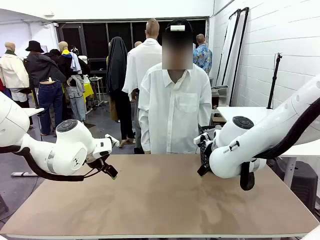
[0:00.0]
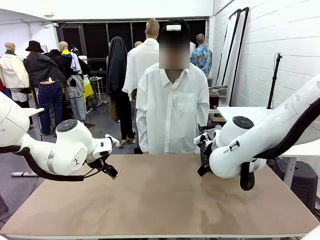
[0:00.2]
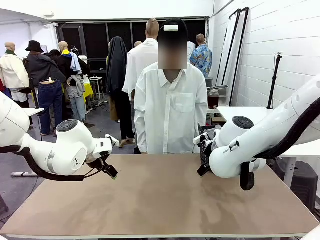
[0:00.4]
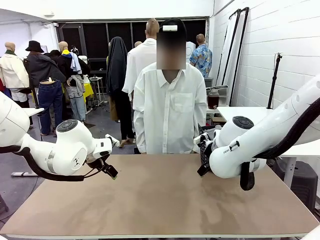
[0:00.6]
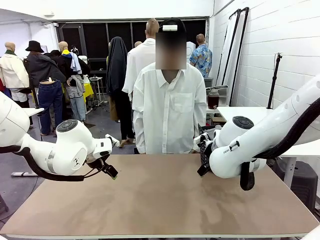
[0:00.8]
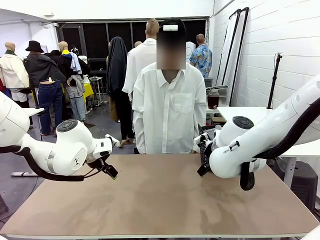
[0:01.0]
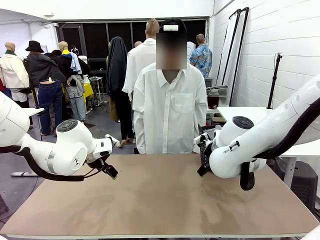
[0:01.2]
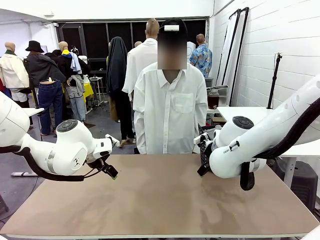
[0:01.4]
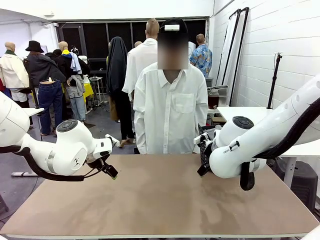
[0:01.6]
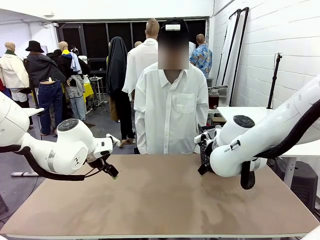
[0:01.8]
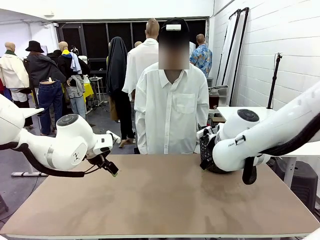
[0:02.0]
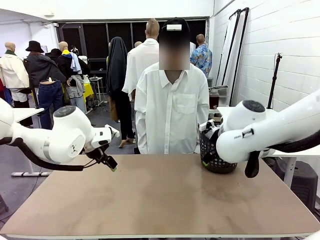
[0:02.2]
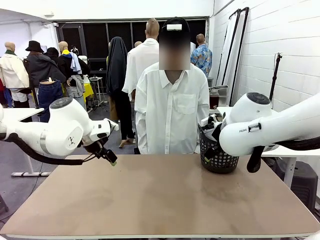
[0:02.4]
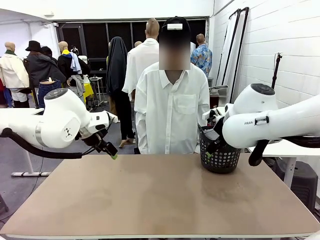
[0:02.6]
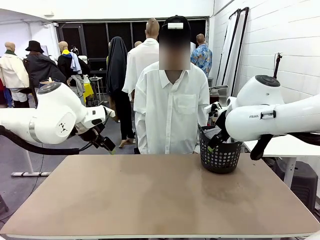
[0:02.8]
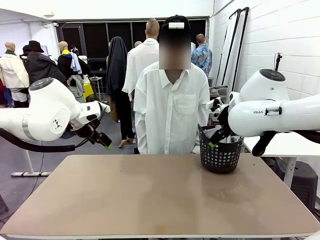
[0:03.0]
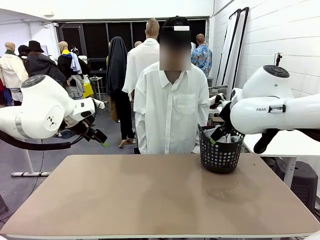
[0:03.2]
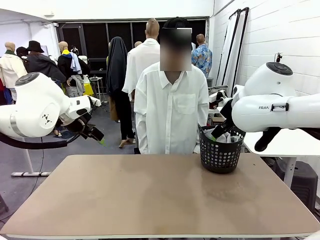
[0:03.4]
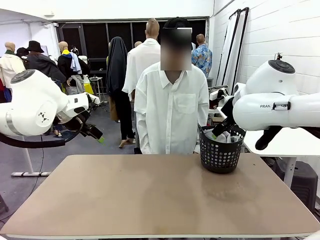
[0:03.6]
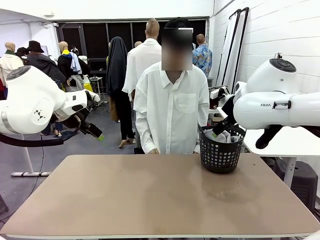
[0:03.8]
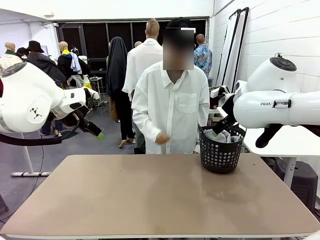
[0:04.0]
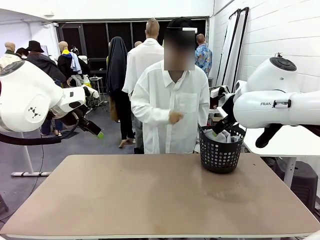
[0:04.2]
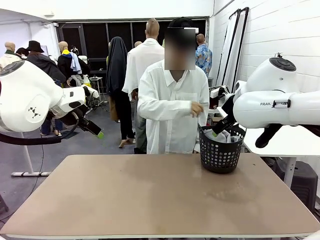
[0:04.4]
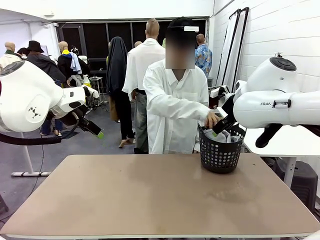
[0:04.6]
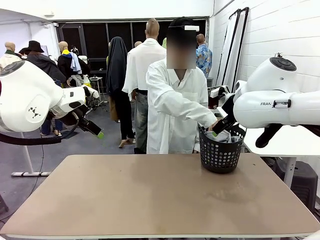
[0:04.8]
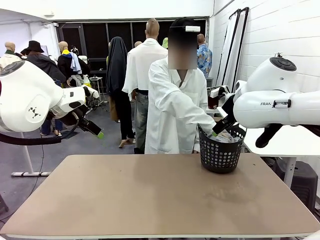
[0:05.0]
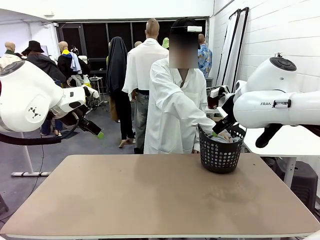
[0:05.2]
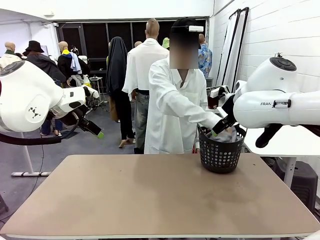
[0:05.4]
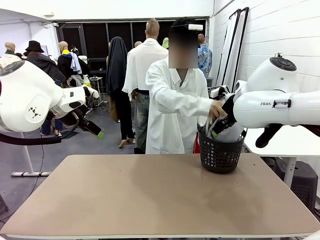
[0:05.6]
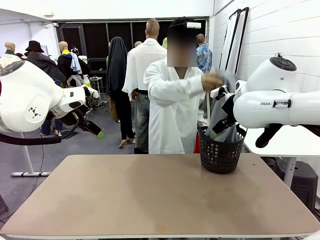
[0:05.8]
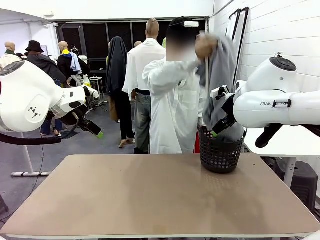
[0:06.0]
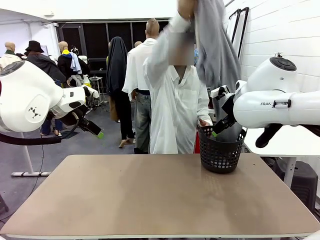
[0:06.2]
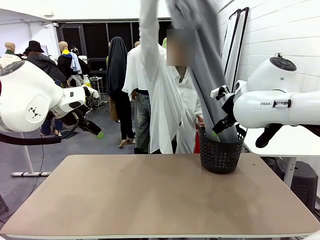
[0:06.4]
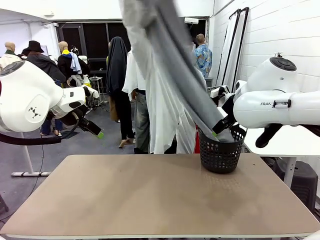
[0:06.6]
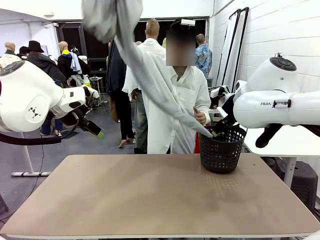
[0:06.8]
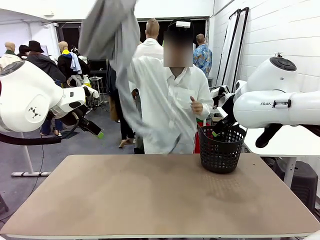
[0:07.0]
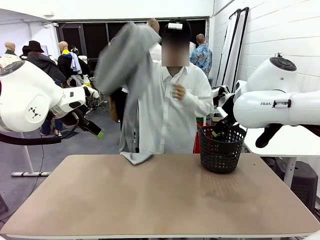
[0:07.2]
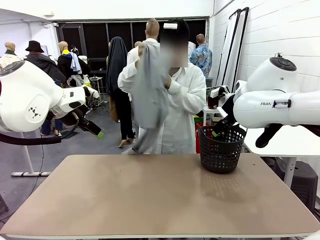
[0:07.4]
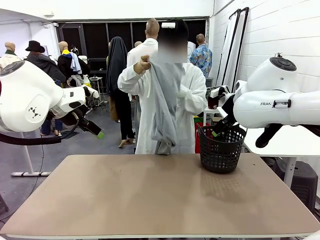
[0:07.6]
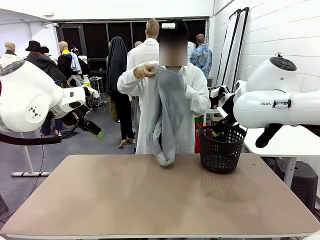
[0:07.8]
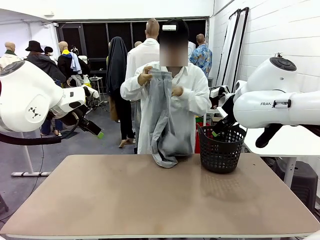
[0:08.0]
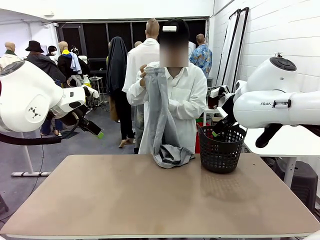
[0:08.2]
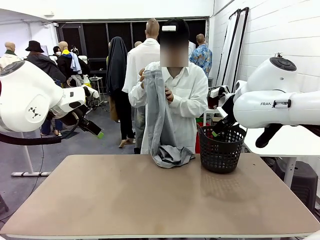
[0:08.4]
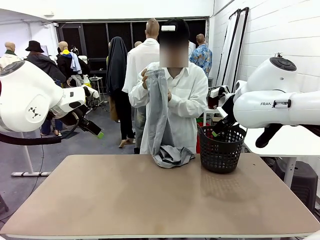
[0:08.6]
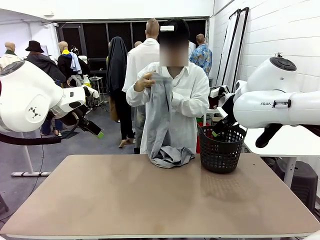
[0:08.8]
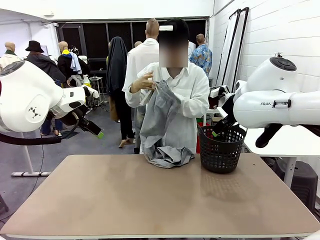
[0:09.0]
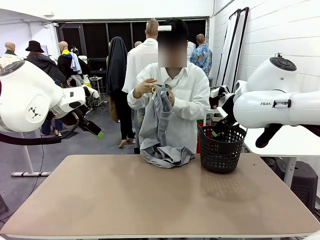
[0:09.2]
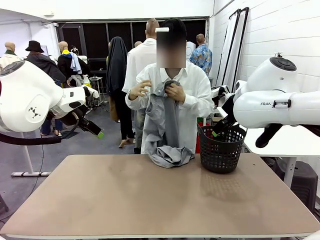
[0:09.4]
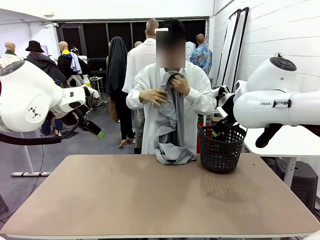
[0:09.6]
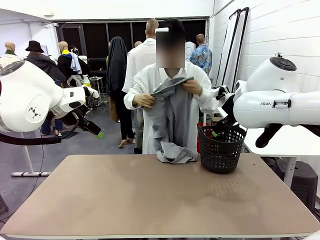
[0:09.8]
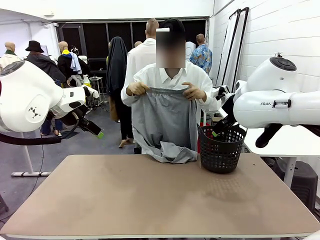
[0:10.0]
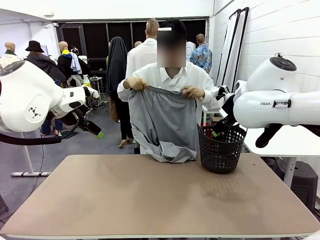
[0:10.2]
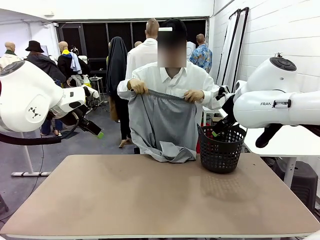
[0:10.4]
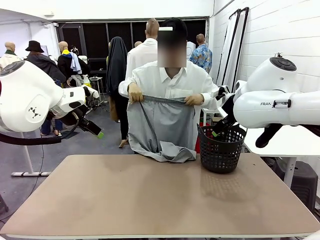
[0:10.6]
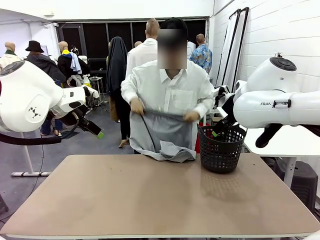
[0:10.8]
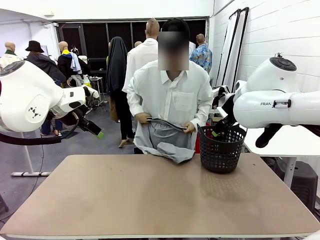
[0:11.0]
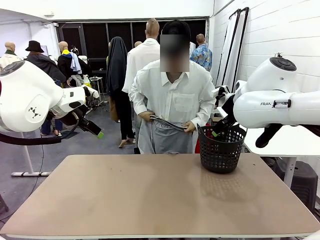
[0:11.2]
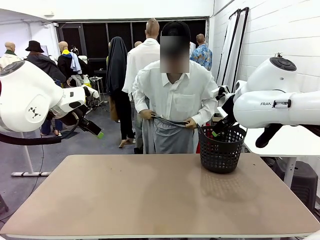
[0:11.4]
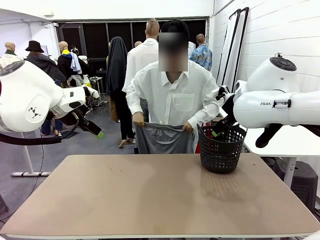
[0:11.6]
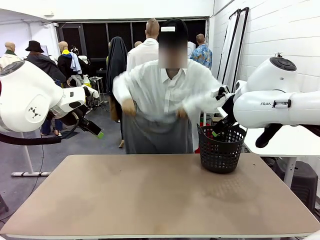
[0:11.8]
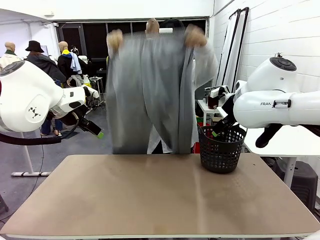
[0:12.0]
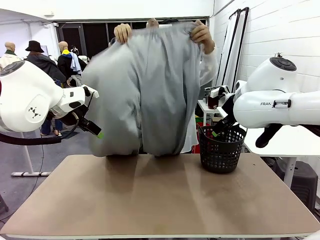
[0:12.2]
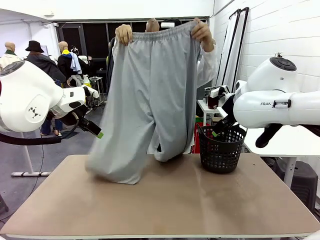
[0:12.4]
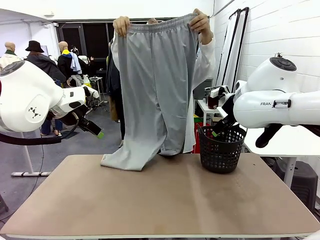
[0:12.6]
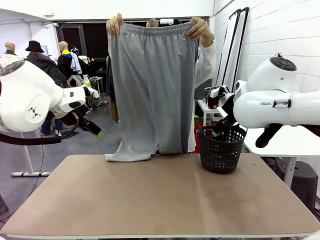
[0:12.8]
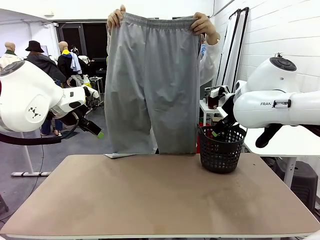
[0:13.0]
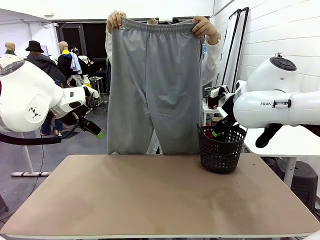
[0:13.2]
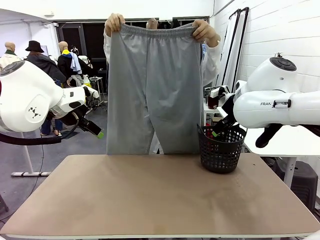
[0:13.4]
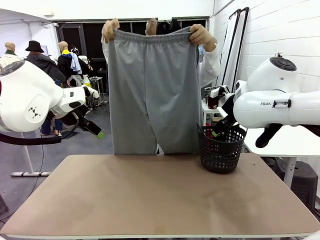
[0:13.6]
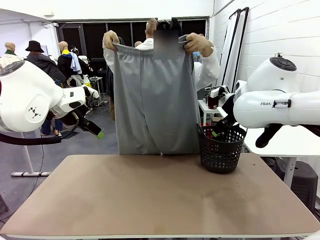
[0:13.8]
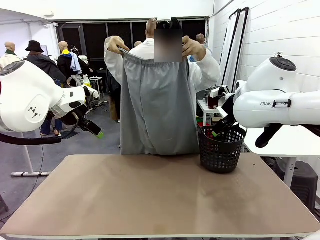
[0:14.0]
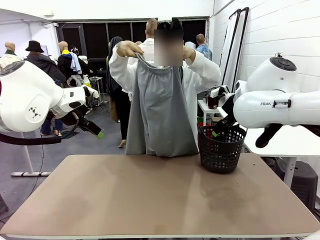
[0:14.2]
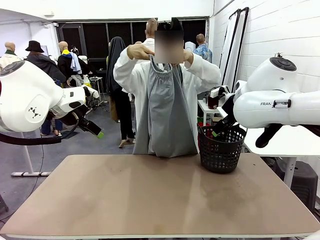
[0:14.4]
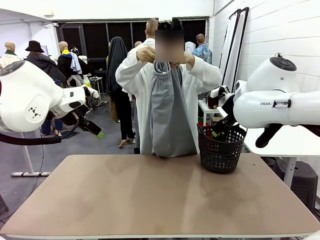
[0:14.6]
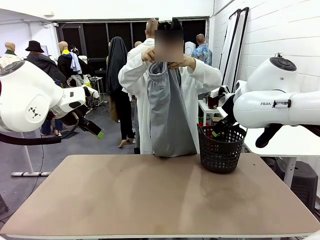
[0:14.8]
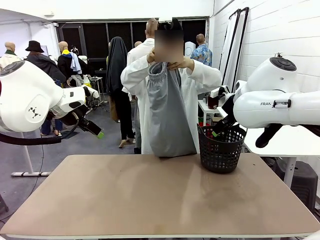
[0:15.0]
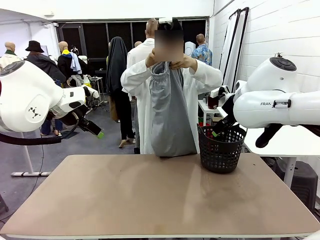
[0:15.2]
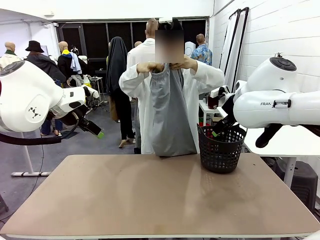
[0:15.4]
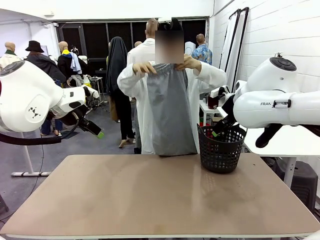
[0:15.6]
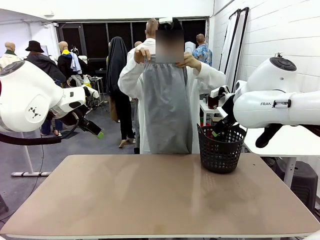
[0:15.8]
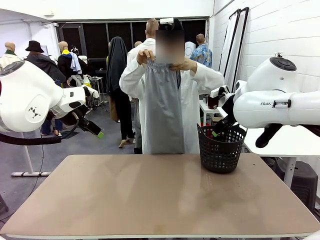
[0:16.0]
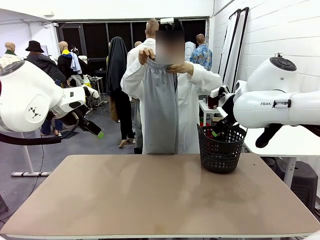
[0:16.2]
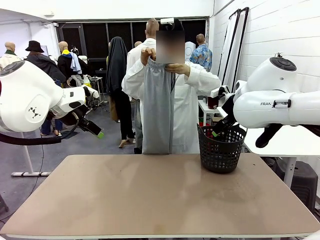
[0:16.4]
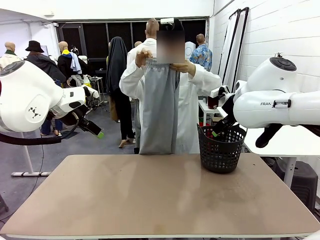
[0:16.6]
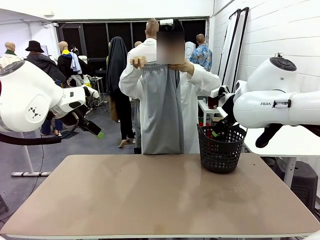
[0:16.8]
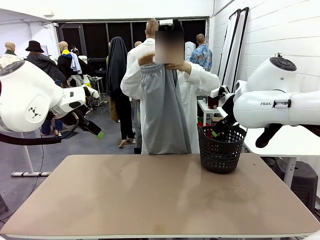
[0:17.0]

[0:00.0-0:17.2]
Task: Fold the training pants.
Robot: Grab both ends of the Training pants handed by a person.
Person: Take the long pants out of the laundry basket, unfold them, fold the waist in half, and extend them so the robot can pick up both corners.
